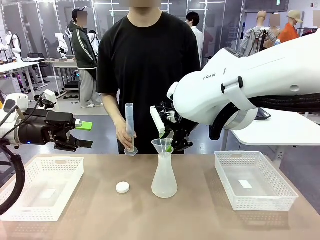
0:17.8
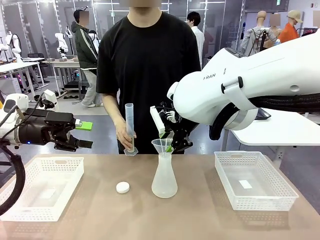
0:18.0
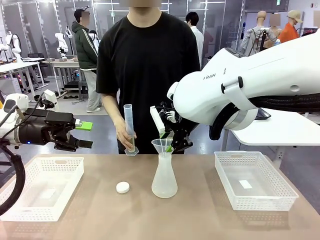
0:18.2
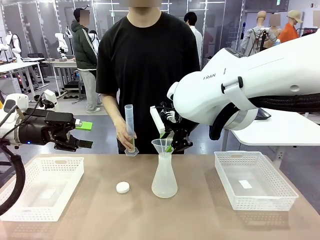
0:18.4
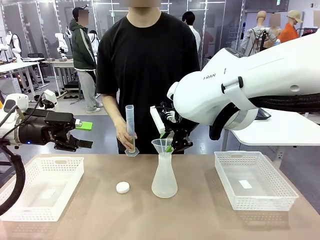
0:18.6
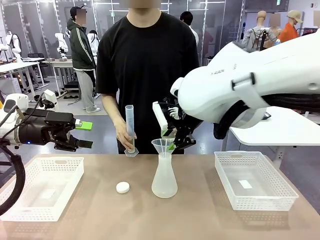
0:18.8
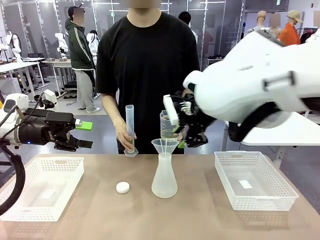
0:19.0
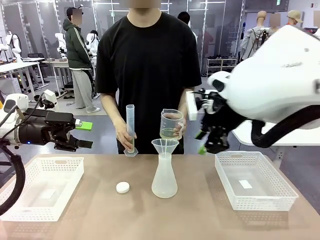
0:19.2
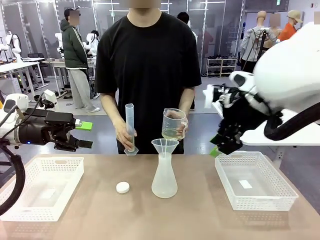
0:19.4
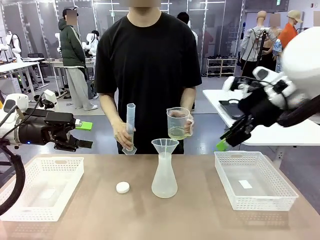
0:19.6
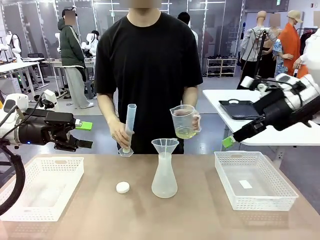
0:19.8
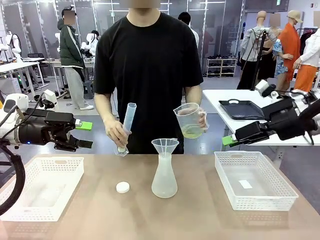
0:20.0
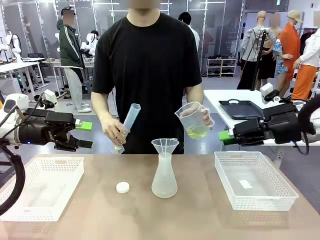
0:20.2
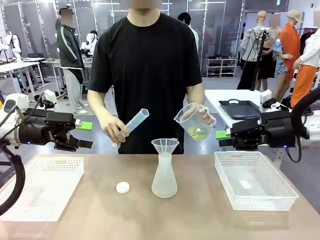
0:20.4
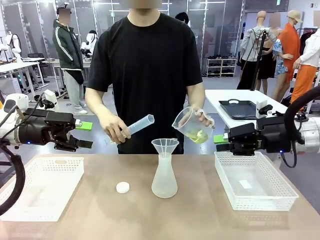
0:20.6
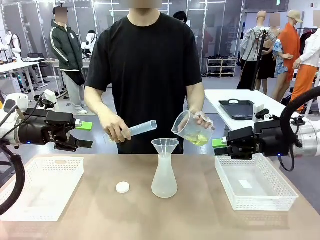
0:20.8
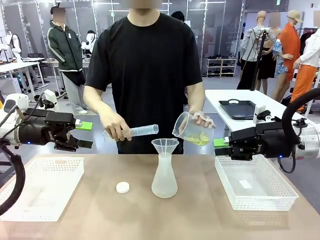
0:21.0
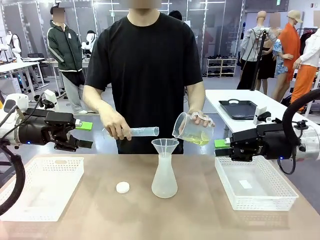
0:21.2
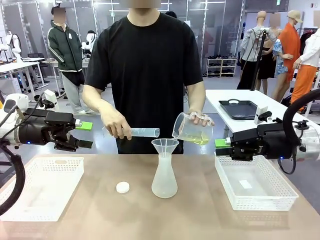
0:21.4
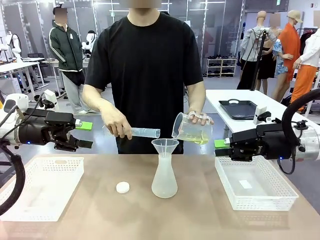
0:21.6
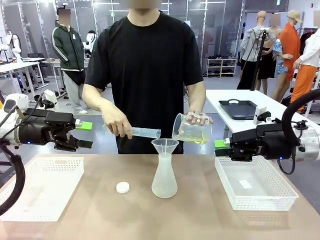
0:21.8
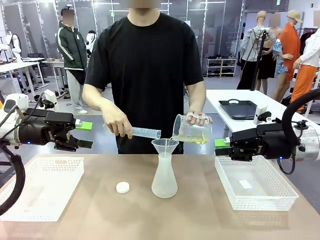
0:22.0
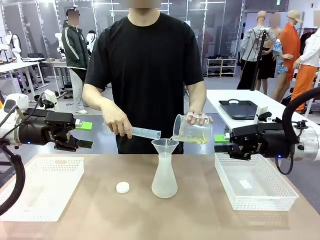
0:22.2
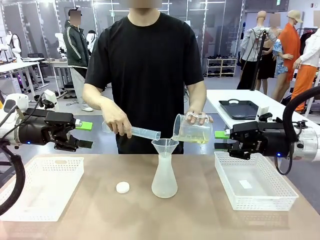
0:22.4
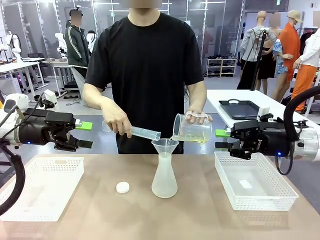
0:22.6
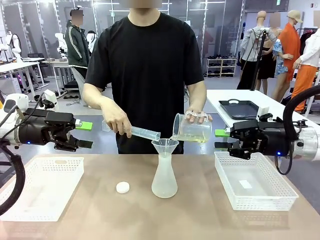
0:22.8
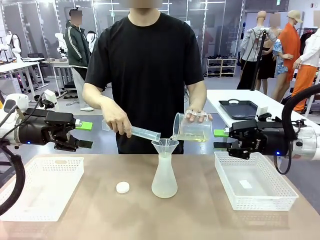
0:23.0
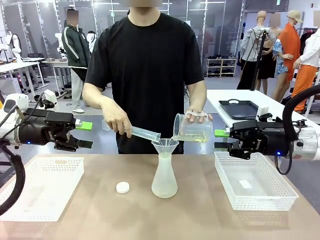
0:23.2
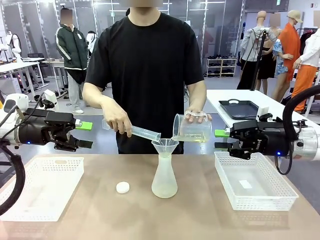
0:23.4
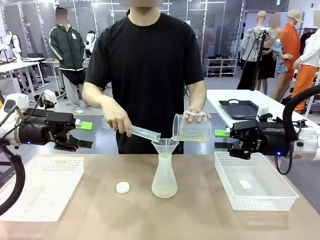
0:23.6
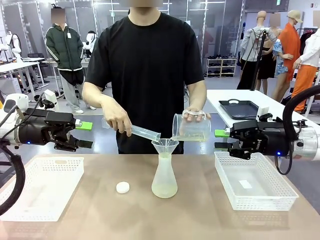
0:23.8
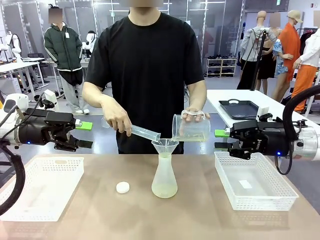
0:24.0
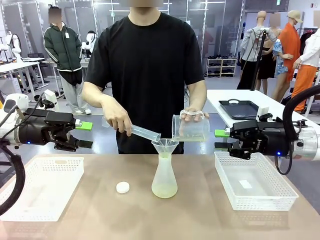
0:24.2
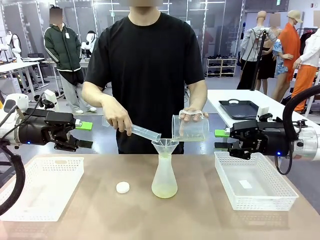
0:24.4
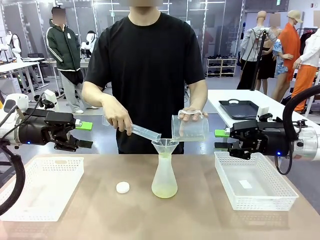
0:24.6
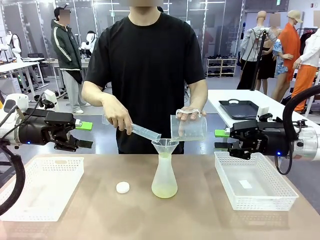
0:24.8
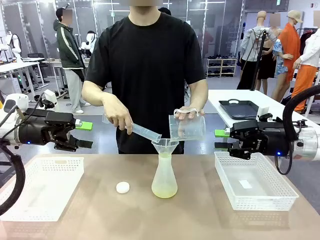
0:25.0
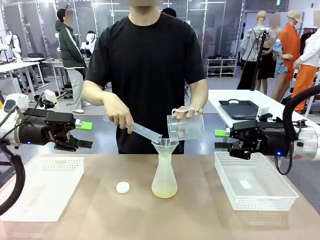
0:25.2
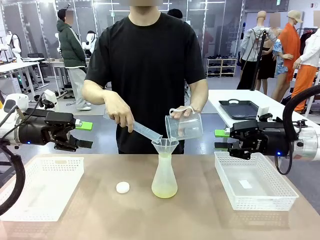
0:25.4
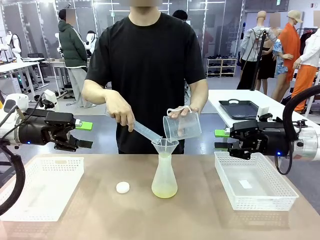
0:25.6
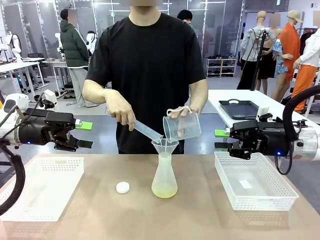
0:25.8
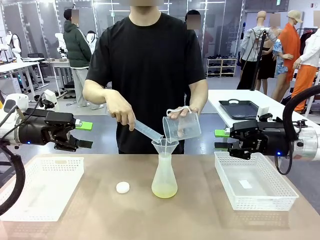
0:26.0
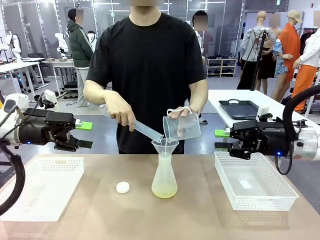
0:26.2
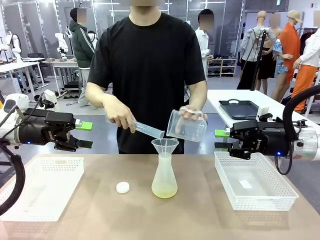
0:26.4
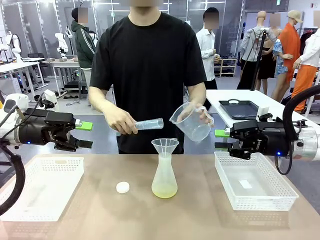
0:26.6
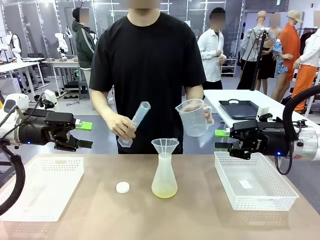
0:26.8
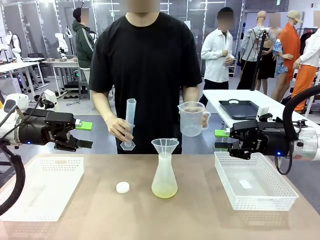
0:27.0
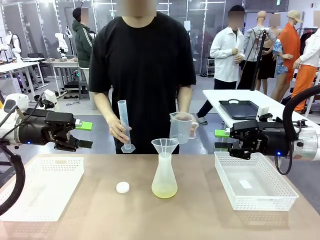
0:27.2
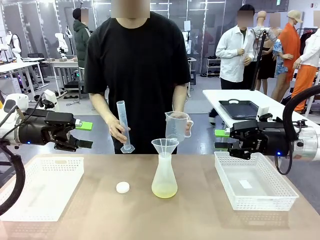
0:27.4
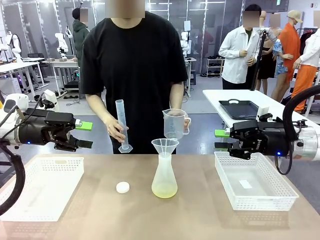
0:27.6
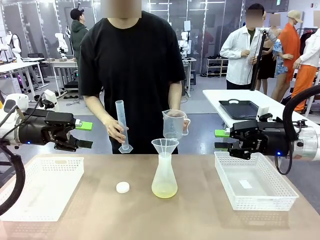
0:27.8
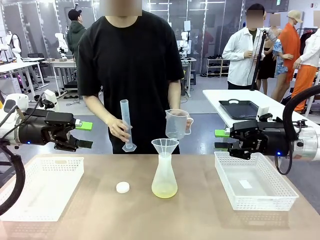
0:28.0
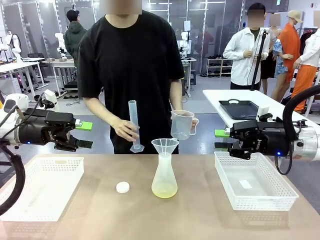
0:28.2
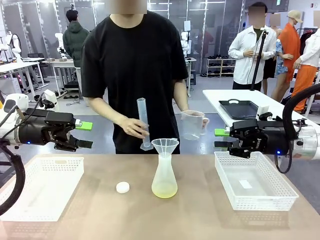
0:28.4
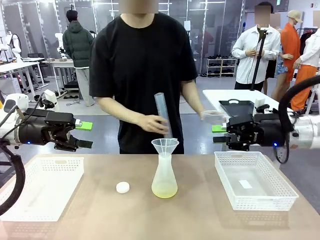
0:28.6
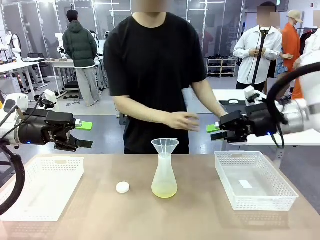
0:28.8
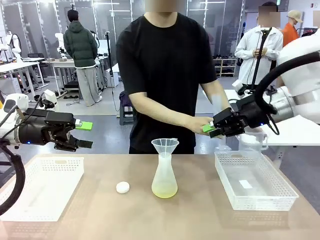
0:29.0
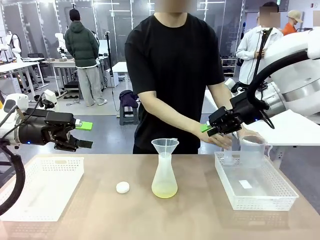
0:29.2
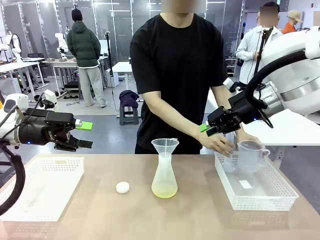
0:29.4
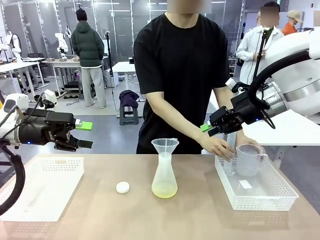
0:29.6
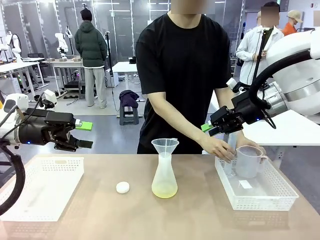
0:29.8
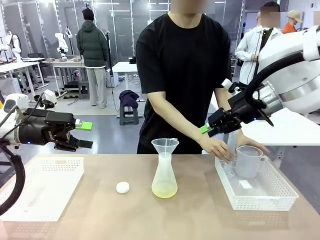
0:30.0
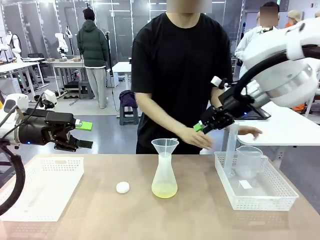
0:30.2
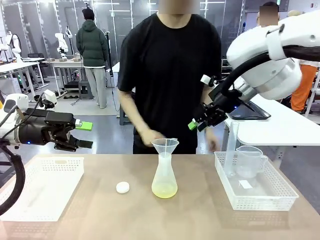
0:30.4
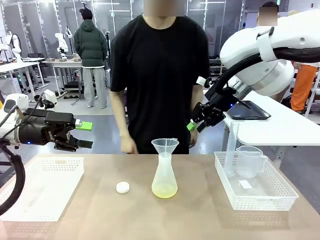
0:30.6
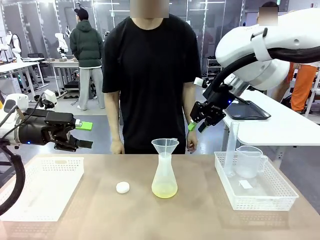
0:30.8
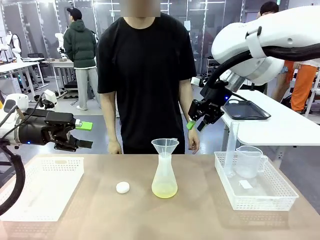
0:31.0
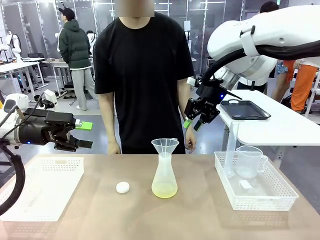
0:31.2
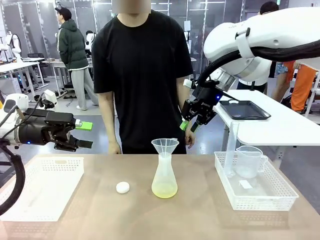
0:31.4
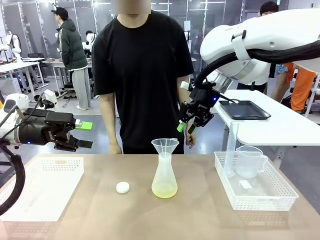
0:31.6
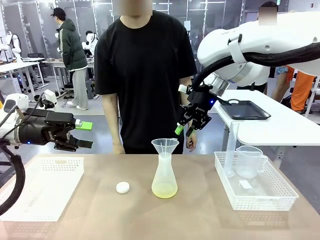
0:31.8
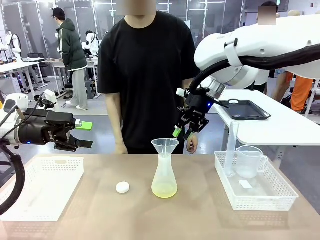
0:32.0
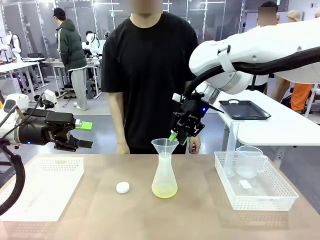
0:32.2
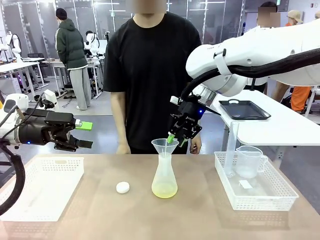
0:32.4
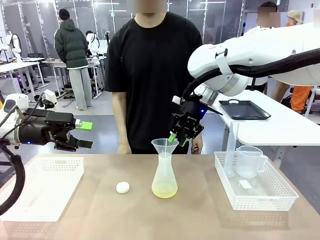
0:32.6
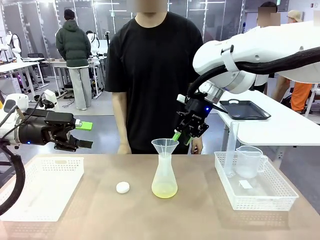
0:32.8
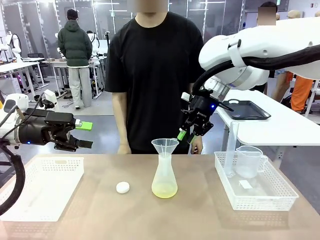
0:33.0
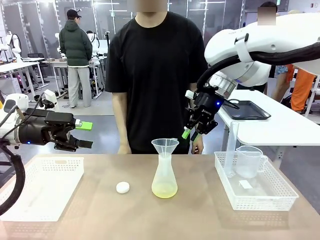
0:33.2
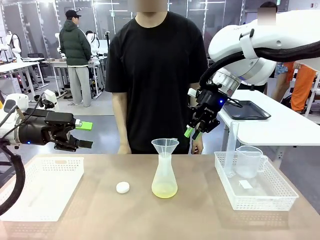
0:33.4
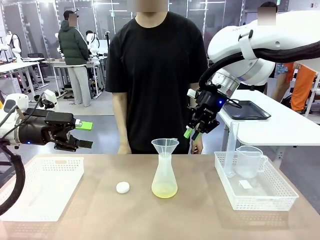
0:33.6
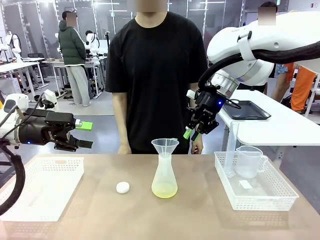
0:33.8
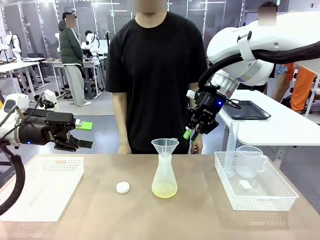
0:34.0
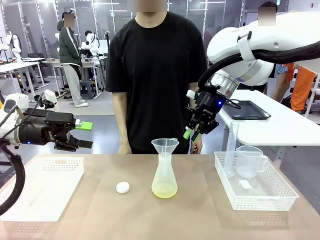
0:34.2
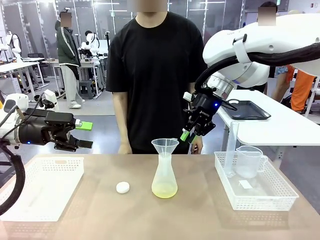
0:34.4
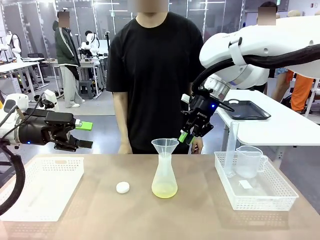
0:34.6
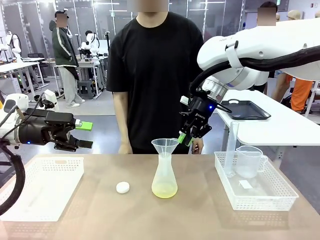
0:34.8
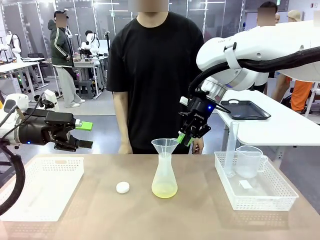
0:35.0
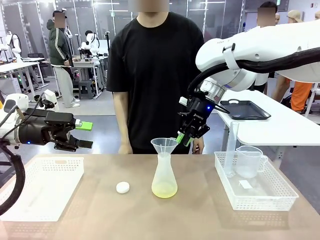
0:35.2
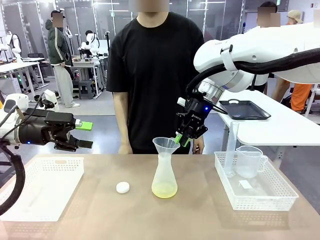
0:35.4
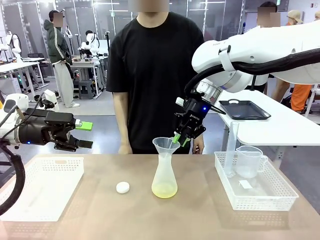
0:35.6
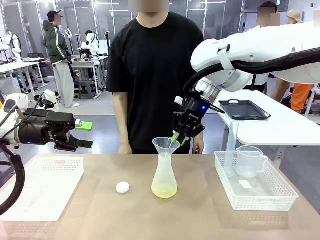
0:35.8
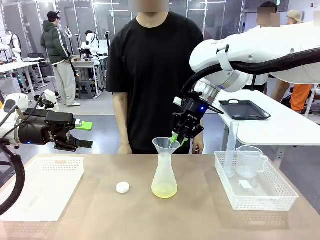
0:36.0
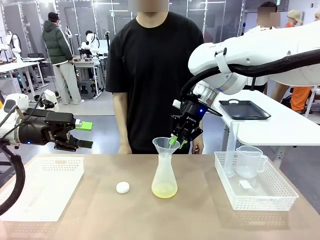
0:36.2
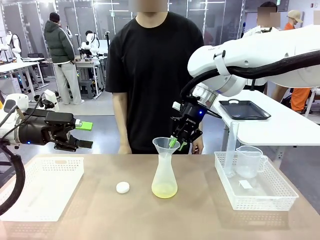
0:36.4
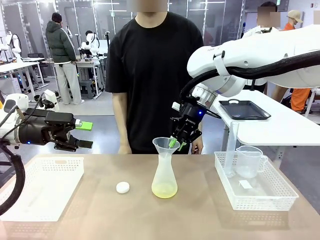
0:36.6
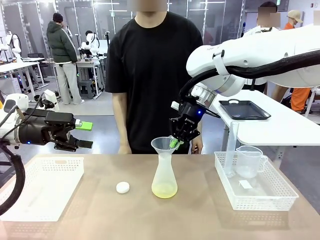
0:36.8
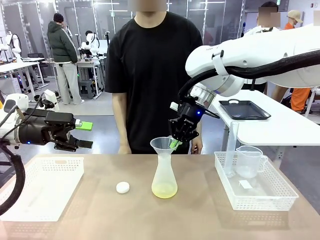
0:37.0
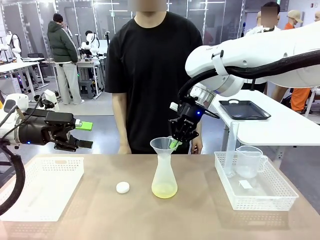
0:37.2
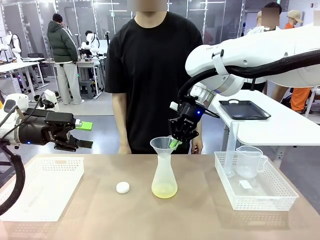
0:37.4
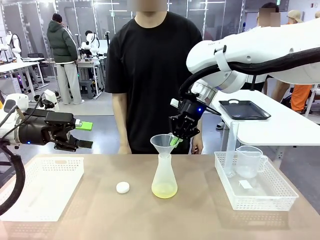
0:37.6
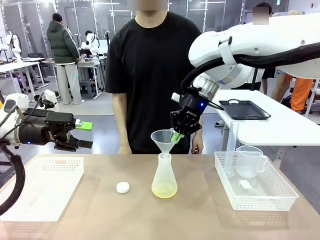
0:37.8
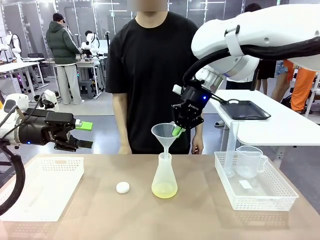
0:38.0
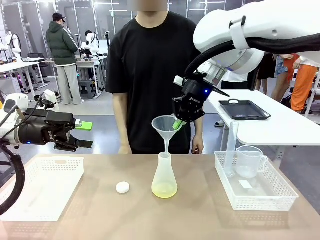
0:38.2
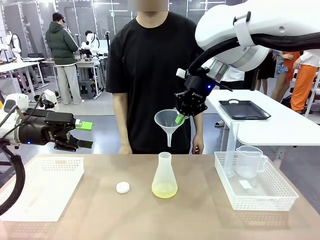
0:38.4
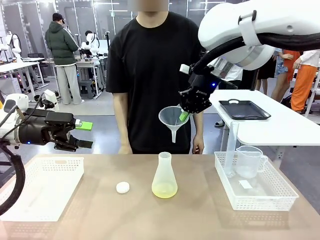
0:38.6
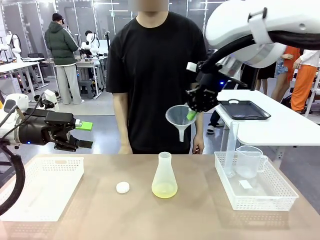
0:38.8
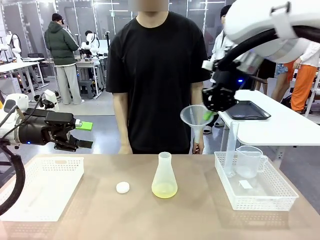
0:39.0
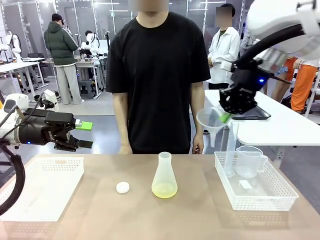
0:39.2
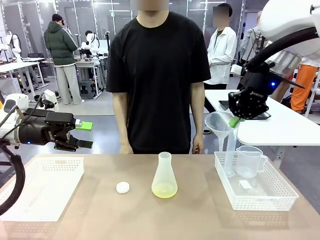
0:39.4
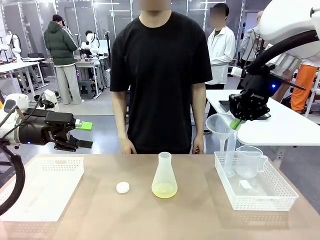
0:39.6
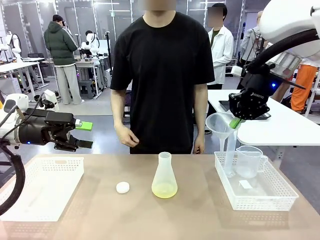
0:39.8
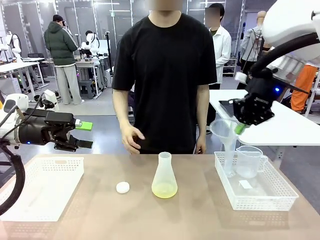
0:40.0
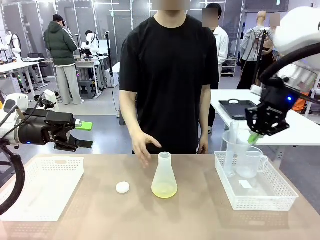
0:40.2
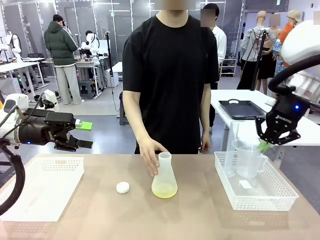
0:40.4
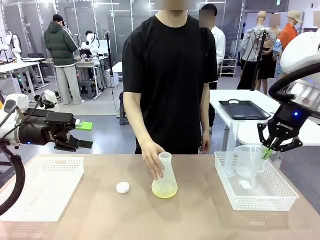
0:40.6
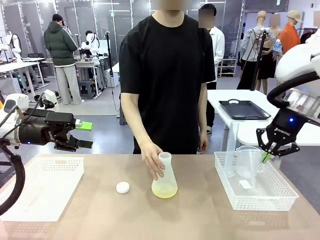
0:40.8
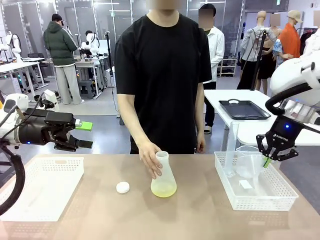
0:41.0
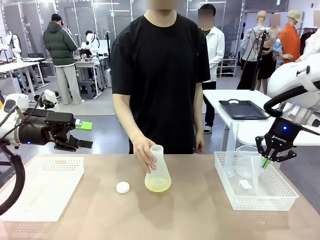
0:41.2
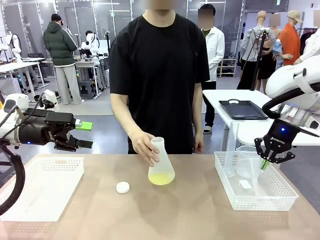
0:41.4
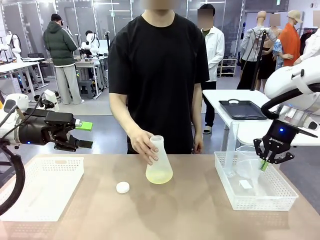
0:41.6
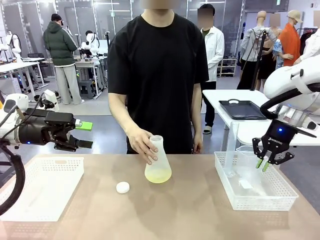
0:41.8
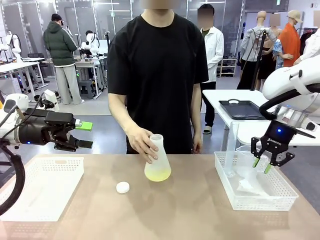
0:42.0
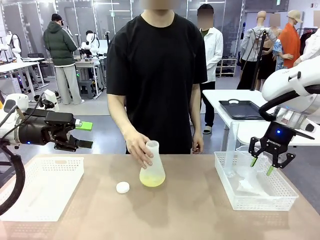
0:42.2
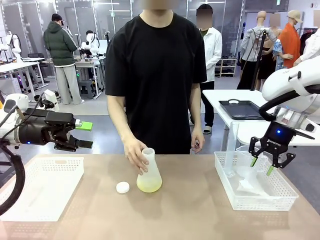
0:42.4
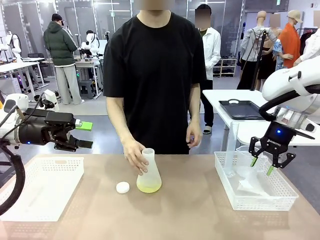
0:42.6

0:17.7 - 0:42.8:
Task: Prepare the solutions needed for the experiment.
Robot: Once the solution is in the Big flask , pick up the Plastic Funnel and place it back into the right Organizing basket.
Person: Pour the solution from the beaker and the cylinder into the flask. Place the beaker and the cylinder into the organizing basket on the left side. Pick up the flask, gently shake it 2–3 times, place it in the middle of the robot table, and close the lid.
